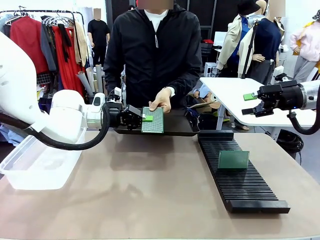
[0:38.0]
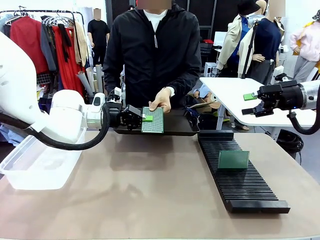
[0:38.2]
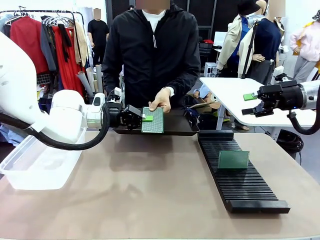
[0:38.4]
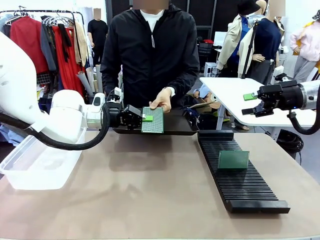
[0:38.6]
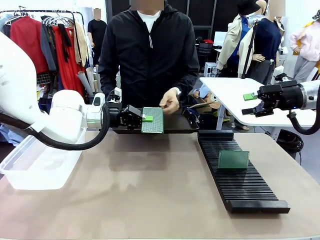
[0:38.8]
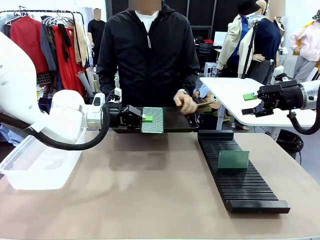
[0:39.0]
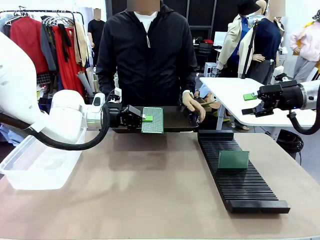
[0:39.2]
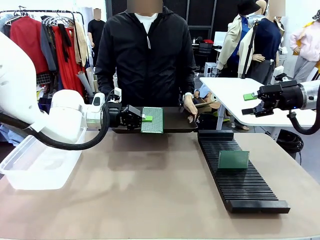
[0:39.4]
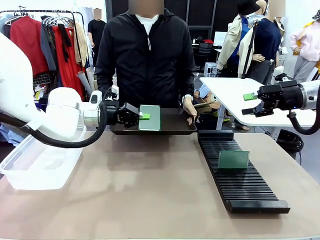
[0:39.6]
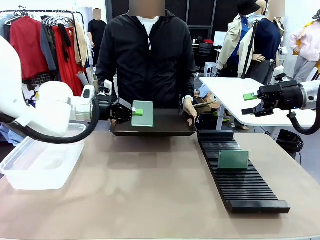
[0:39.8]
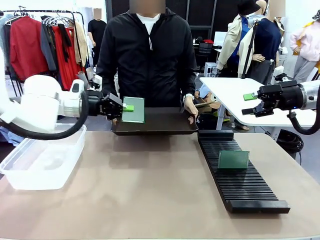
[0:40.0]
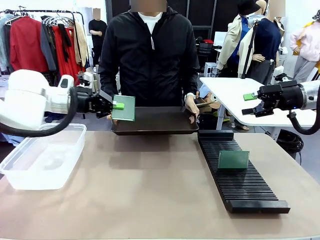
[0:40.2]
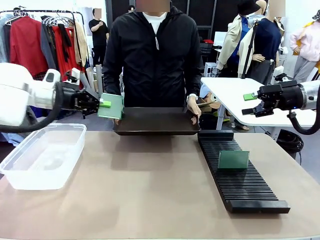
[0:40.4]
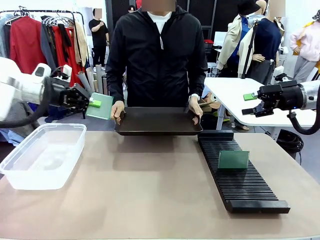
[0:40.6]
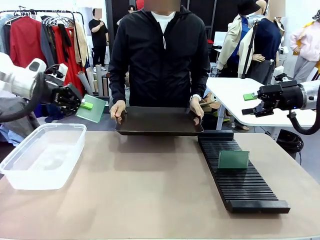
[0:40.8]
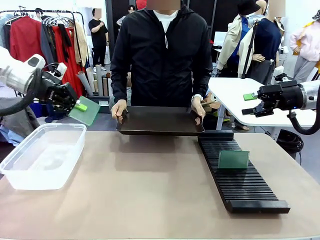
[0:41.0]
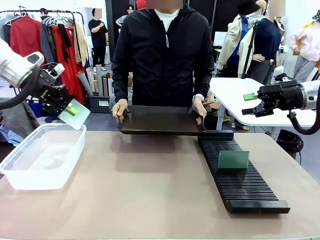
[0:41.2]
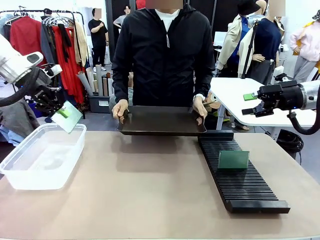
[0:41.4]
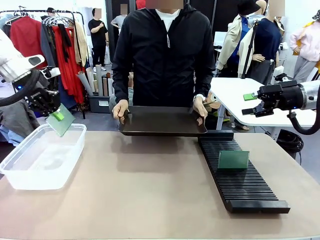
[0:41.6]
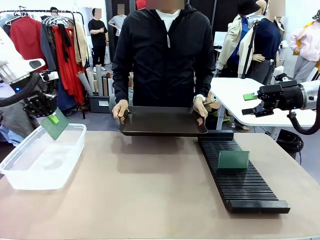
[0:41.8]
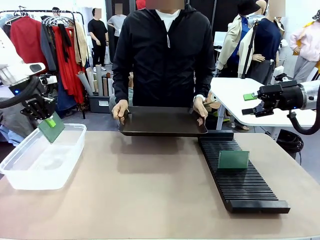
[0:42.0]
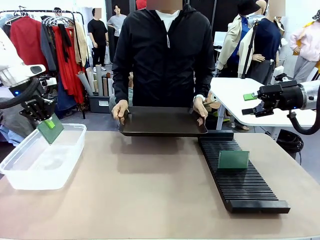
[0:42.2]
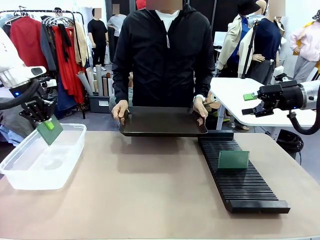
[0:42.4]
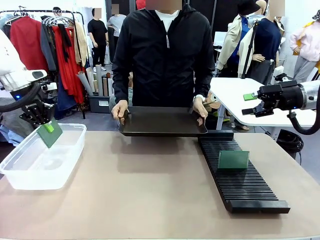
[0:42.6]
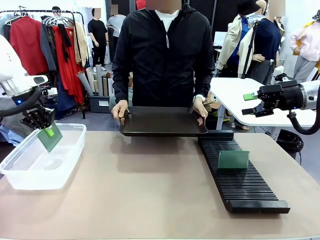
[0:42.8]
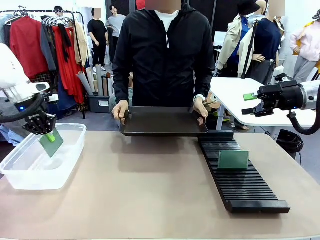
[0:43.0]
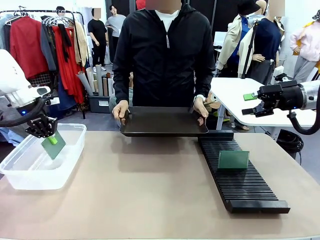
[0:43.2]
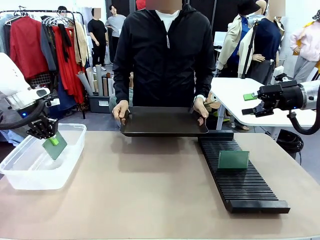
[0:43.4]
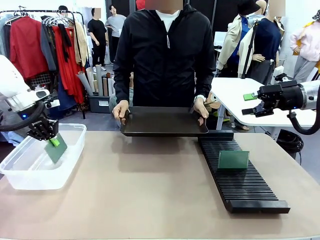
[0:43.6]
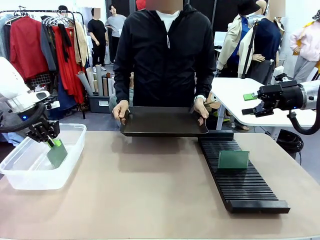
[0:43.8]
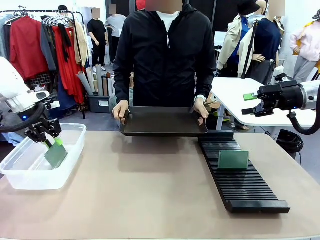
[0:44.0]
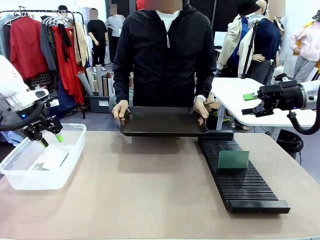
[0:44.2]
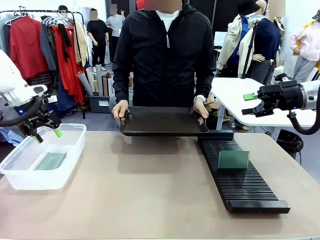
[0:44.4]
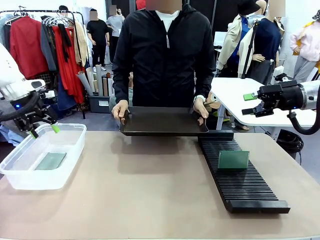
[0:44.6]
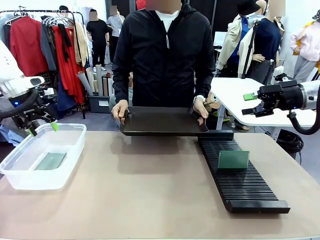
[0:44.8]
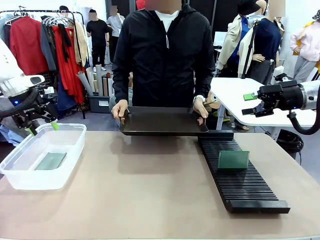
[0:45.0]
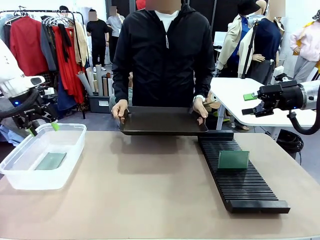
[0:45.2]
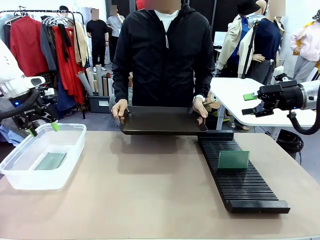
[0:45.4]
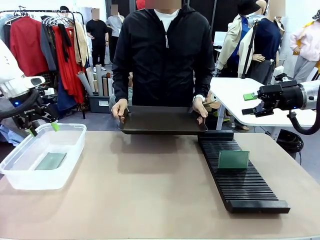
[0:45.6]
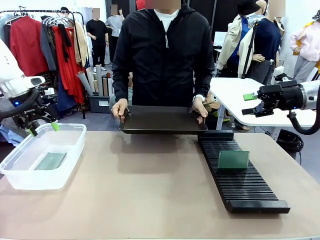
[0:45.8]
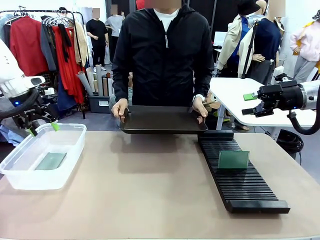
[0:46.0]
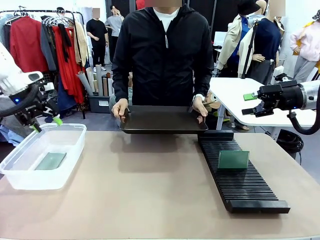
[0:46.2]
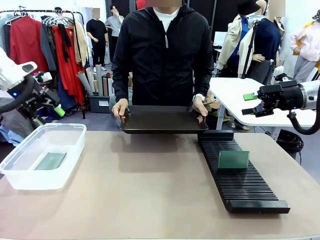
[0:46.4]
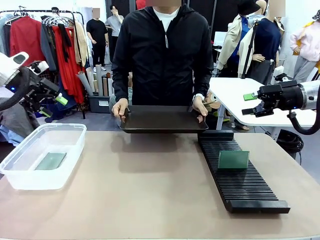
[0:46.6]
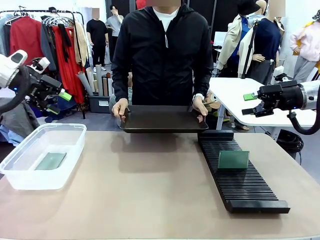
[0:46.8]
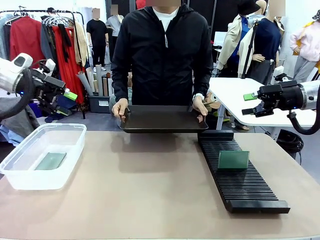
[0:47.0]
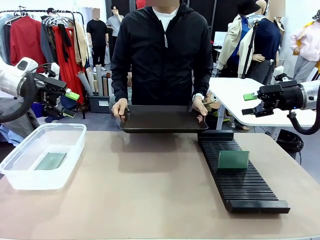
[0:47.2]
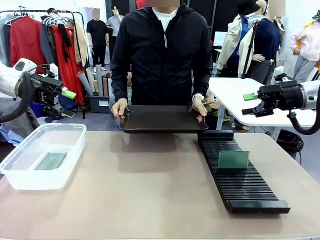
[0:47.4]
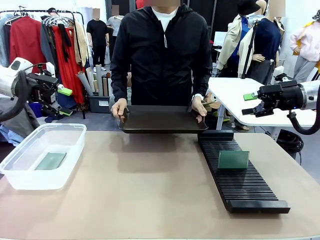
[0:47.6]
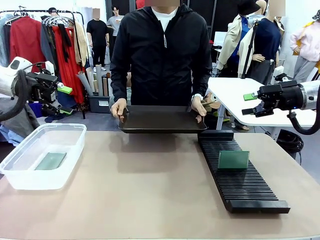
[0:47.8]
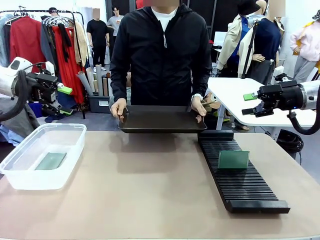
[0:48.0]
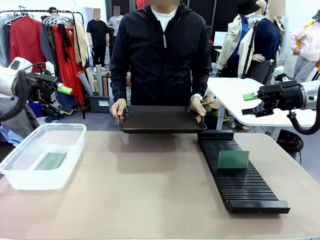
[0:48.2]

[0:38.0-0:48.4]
Task: Sort PCBs into racks and boxes based on the side picked up.
Robot: If the short side of the Blank PCB is picked up, insert it into the PCB Rack ; if the long side is picked up, place it in the Organizing box.
Person: Release the PCB being held.

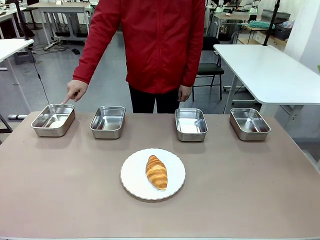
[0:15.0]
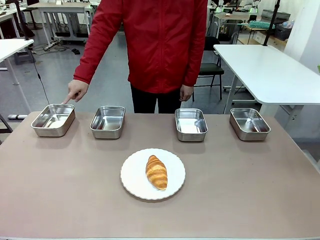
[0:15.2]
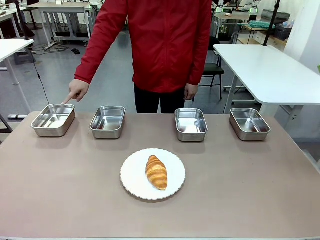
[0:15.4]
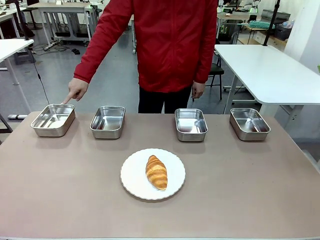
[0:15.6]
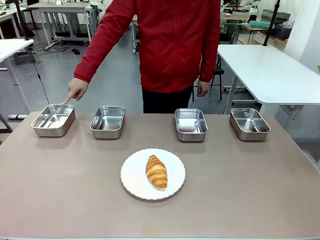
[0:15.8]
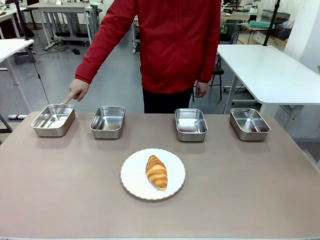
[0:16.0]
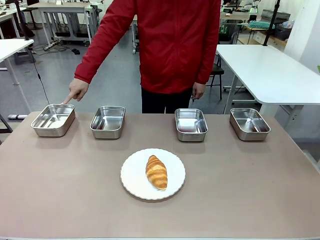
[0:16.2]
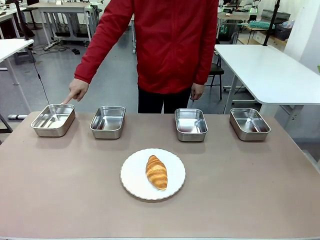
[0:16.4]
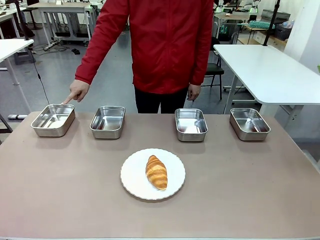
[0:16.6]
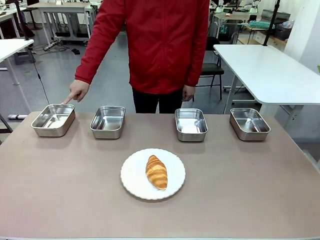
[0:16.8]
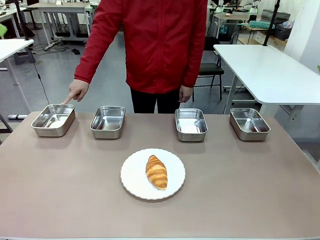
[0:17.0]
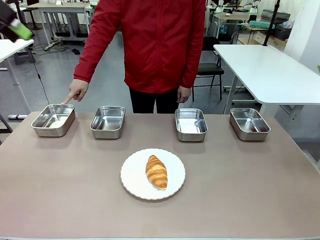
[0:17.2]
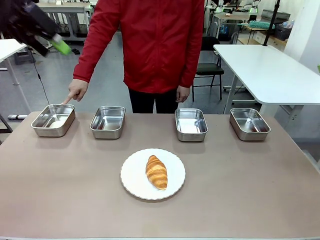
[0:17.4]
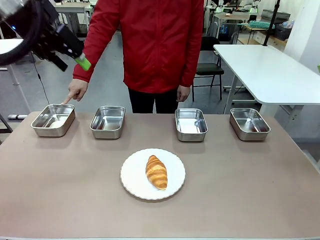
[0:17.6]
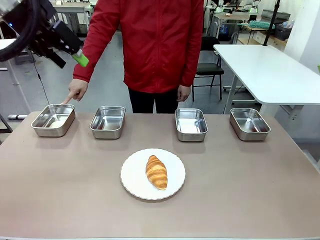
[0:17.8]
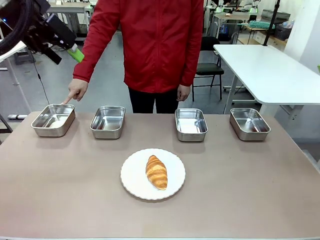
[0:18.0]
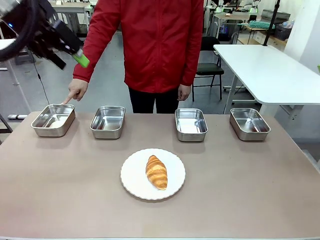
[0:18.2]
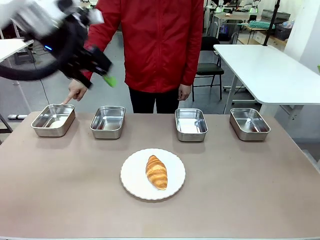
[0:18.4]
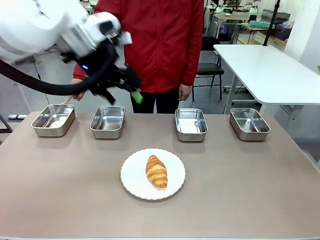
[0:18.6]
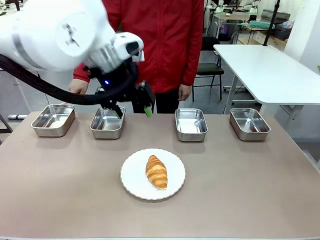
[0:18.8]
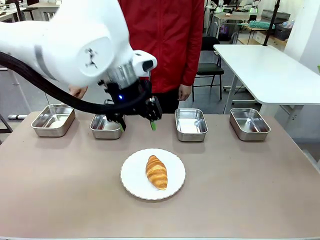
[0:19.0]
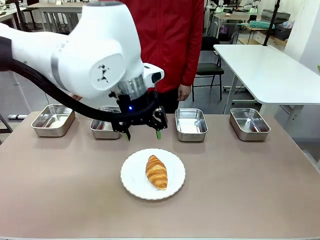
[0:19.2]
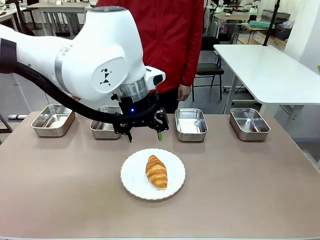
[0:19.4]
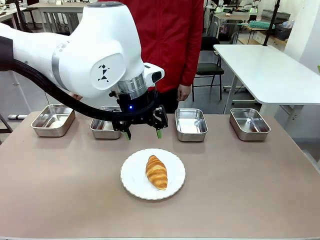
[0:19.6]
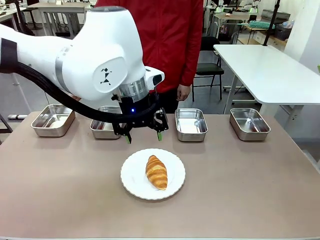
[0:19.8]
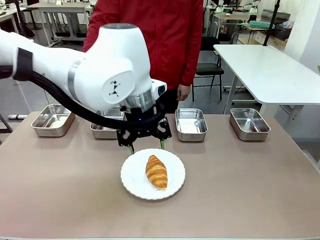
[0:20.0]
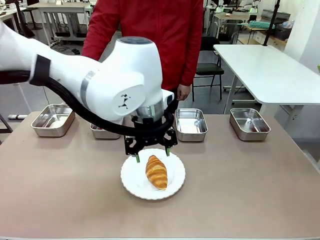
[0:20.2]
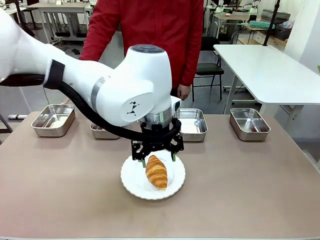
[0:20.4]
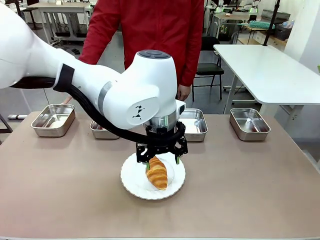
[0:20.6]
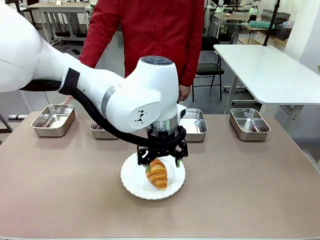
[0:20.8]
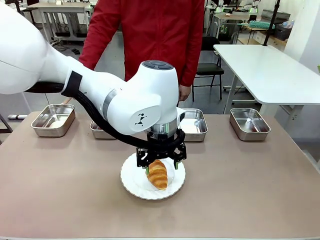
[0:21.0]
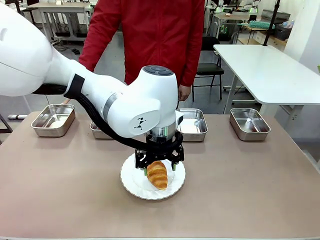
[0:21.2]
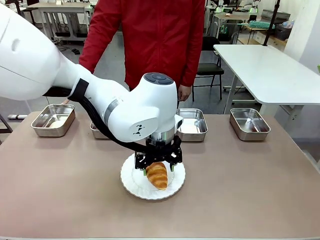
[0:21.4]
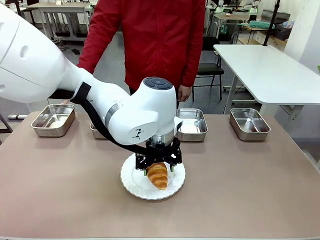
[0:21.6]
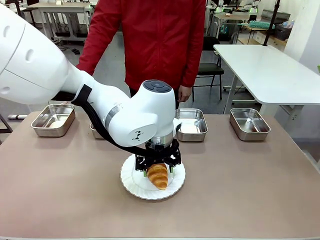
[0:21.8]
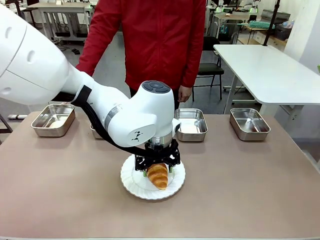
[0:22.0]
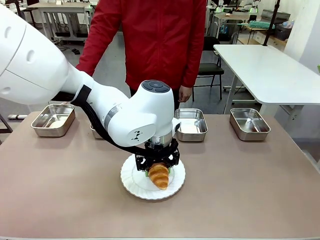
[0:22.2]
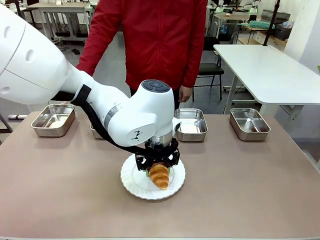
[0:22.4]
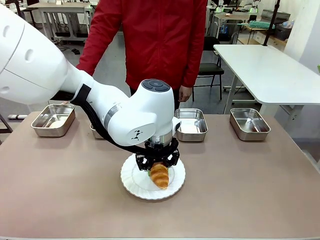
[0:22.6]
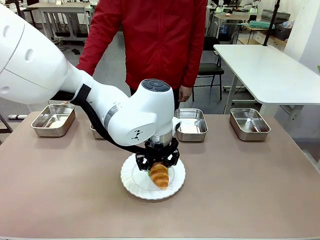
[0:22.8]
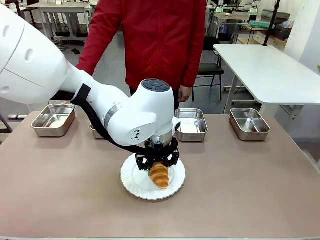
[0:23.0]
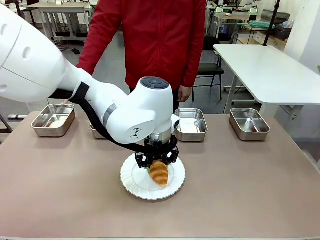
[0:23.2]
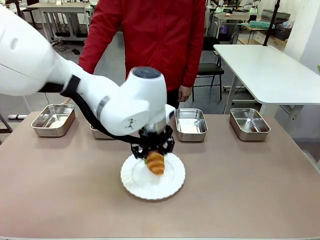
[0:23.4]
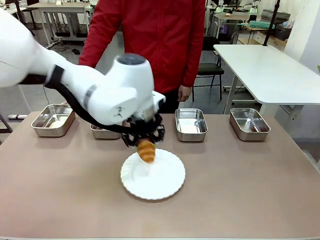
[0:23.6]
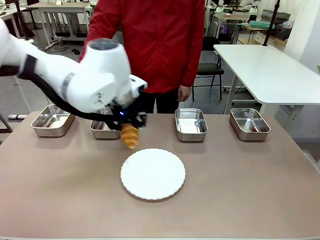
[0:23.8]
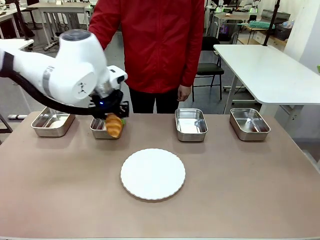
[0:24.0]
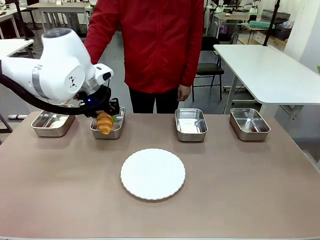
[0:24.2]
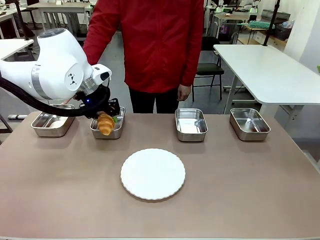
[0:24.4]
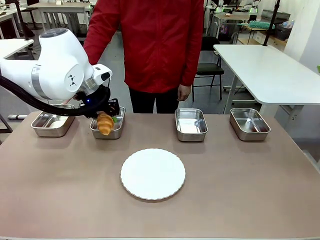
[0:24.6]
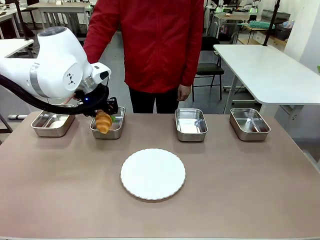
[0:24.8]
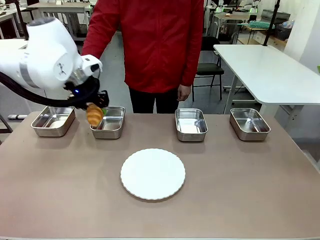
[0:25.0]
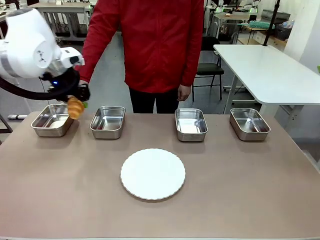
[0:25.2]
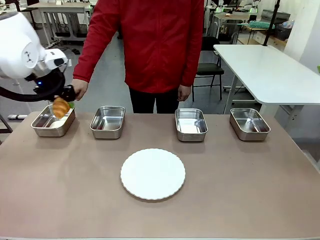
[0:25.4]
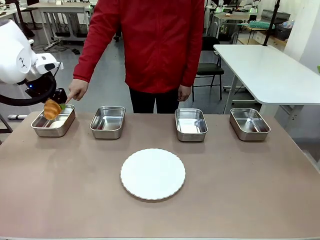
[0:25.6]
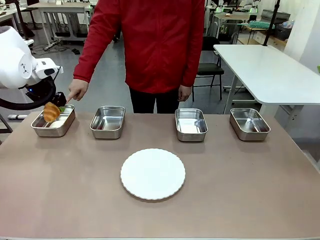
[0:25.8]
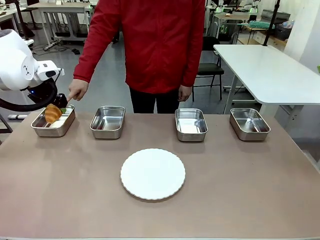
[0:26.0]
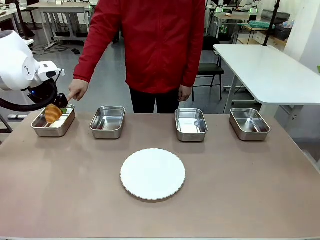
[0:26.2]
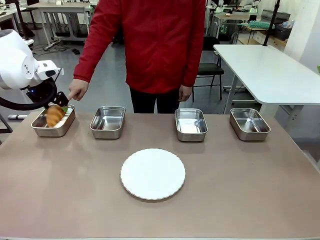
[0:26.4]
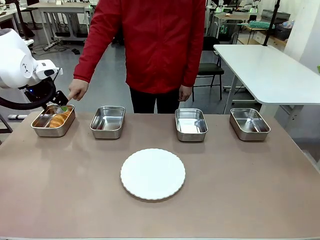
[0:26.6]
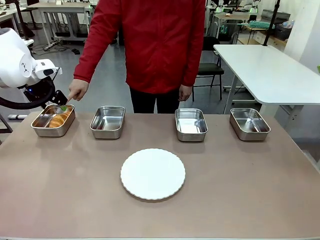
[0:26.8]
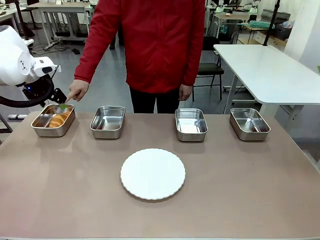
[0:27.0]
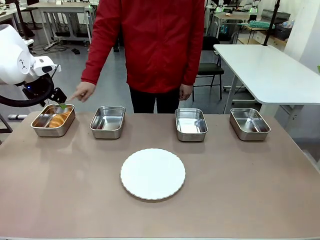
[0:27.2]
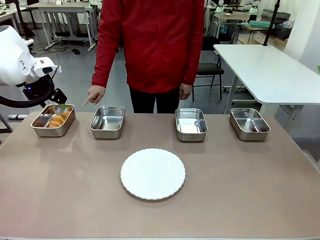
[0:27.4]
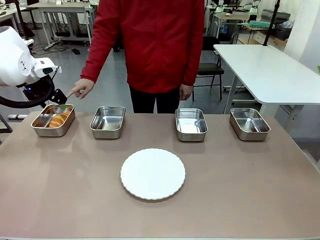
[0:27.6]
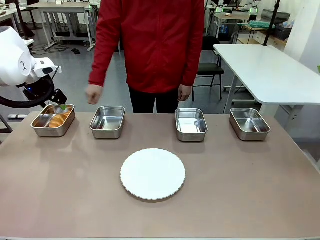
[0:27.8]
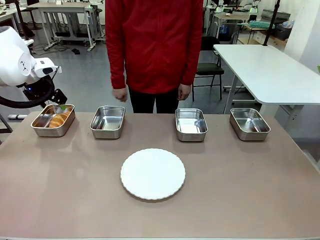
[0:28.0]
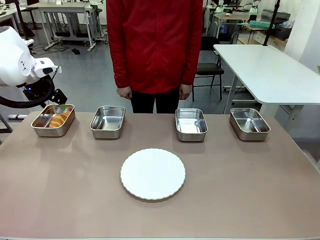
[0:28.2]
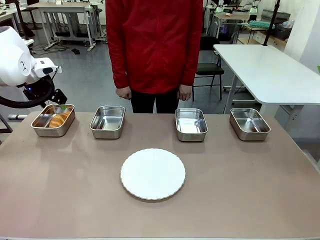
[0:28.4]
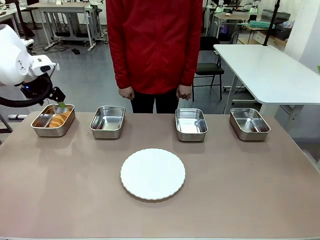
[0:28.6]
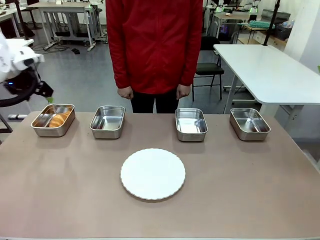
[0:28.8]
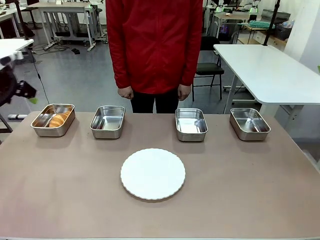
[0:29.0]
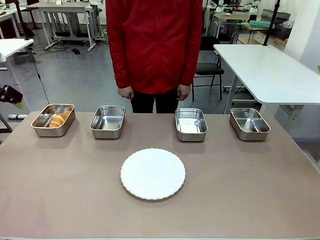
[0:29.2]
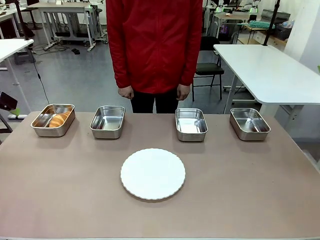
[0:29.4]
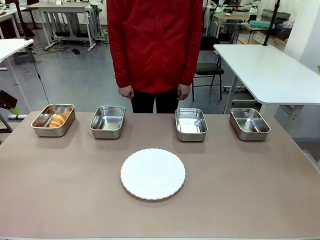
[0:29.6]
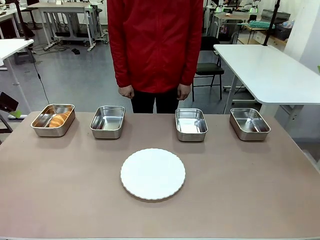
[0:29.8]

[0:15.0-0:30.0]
Task: Place the bread in the container.
Robot: Place the Butter Roll into the Airtight Container indicated by the human.
